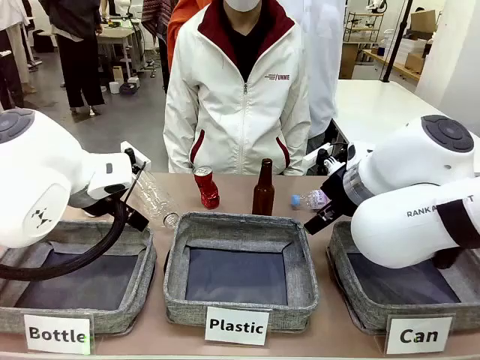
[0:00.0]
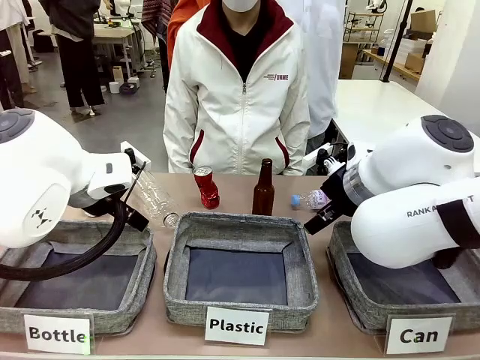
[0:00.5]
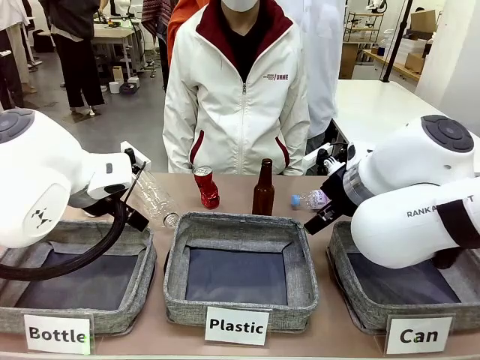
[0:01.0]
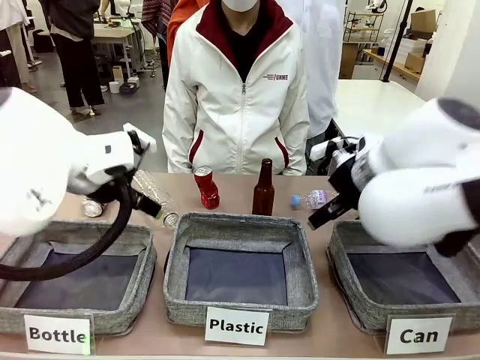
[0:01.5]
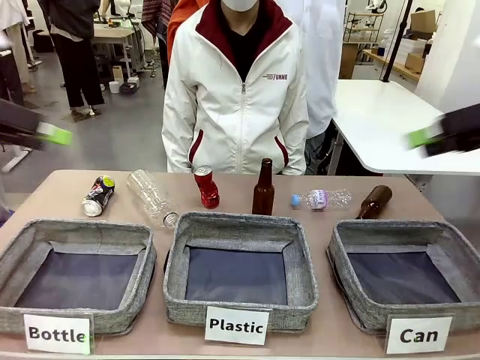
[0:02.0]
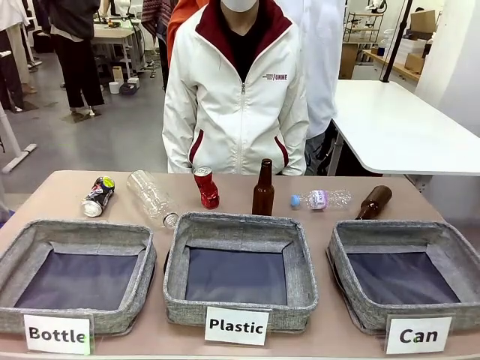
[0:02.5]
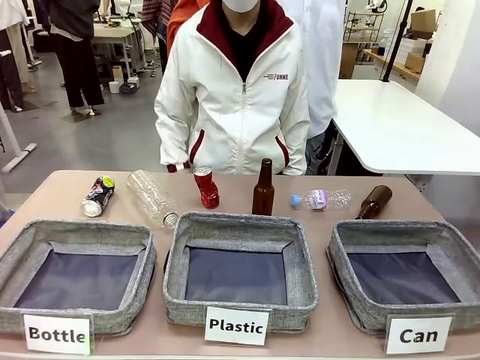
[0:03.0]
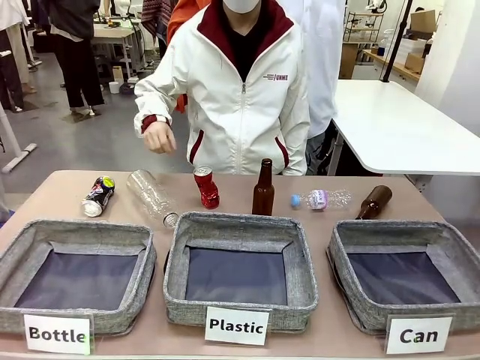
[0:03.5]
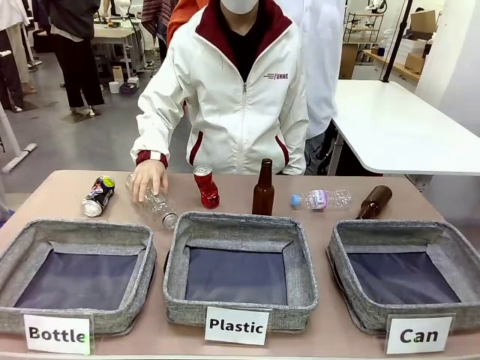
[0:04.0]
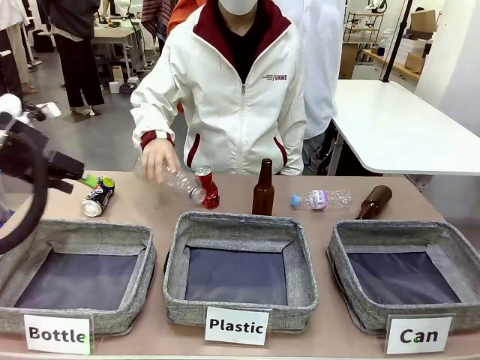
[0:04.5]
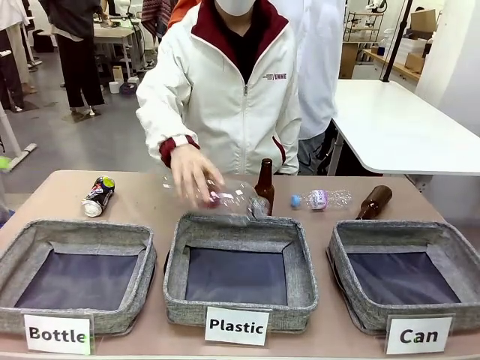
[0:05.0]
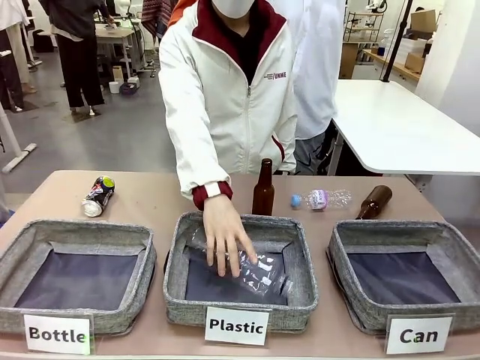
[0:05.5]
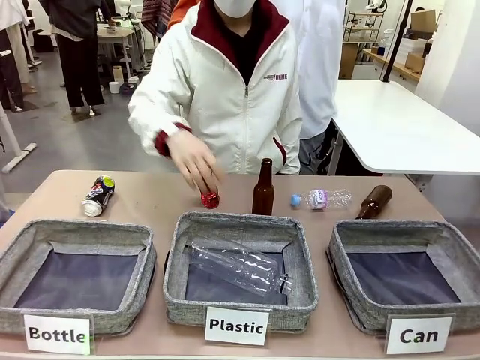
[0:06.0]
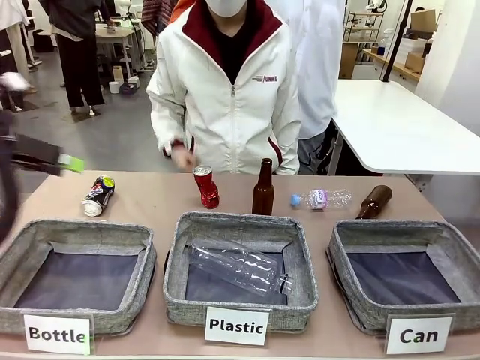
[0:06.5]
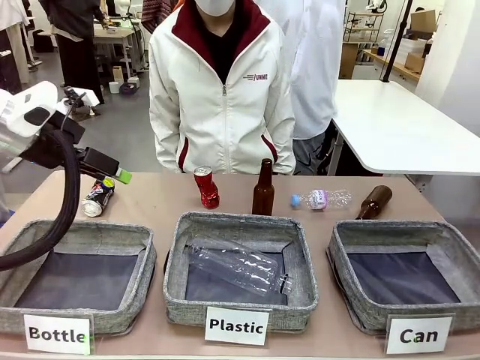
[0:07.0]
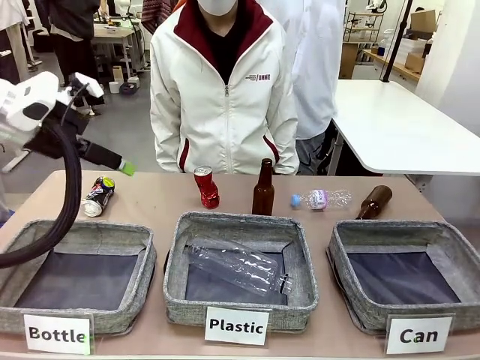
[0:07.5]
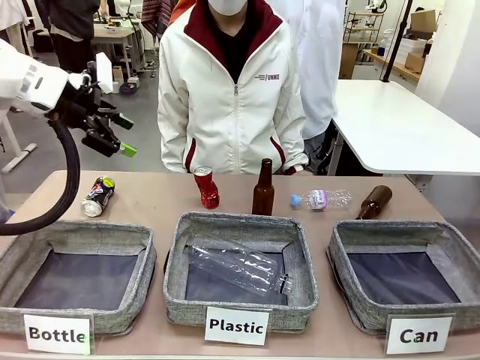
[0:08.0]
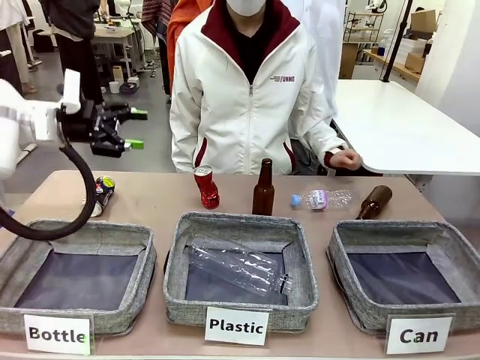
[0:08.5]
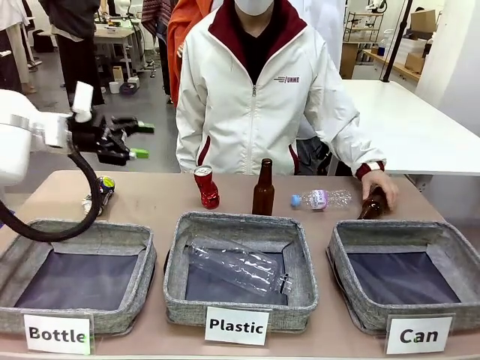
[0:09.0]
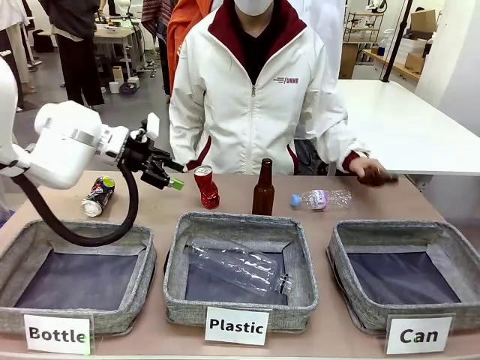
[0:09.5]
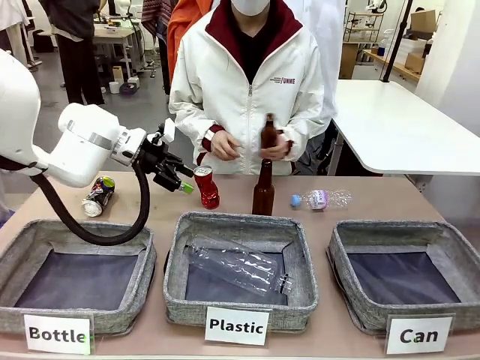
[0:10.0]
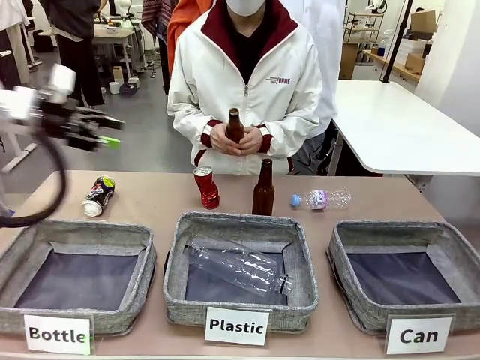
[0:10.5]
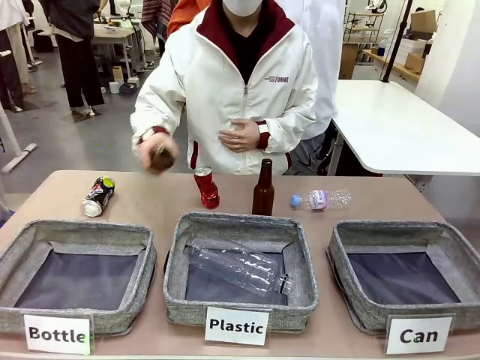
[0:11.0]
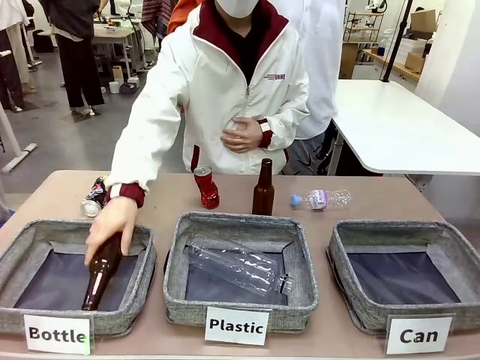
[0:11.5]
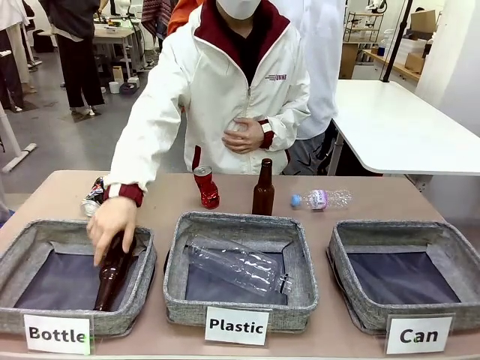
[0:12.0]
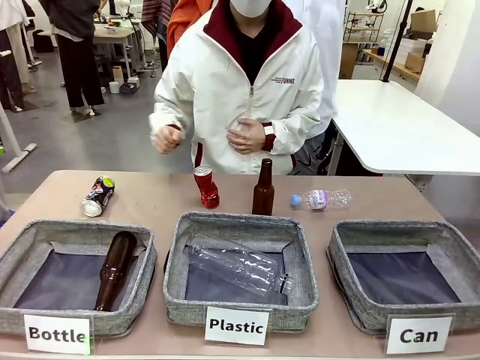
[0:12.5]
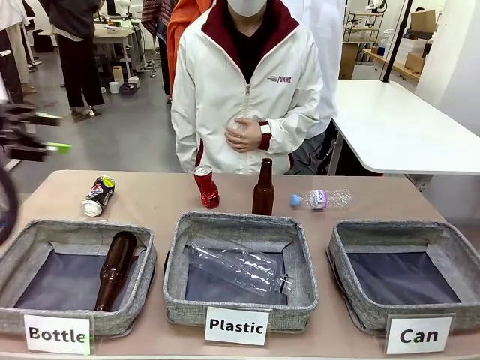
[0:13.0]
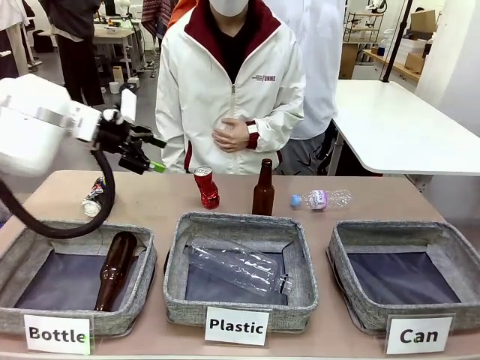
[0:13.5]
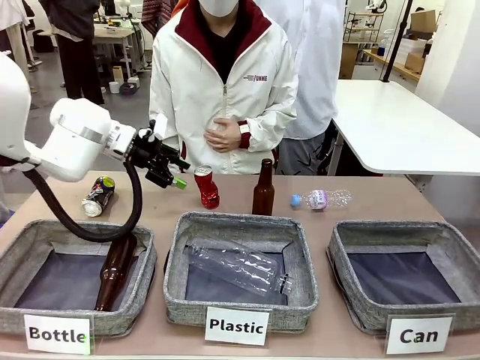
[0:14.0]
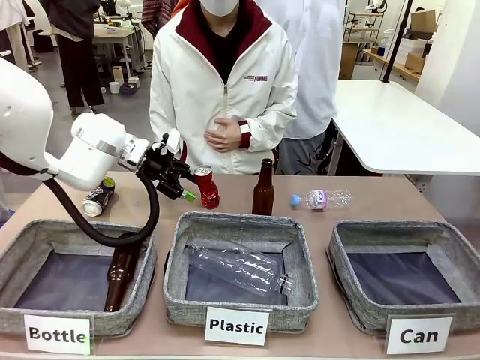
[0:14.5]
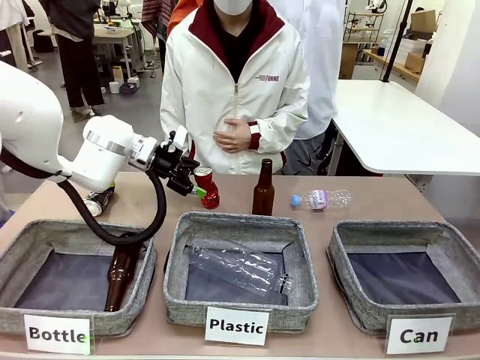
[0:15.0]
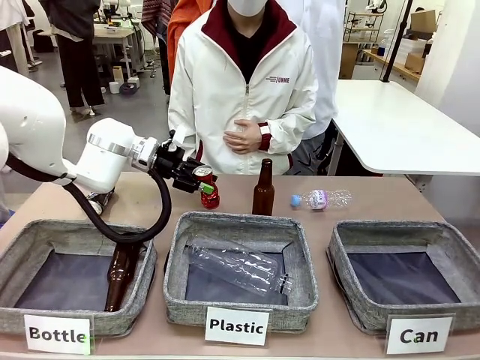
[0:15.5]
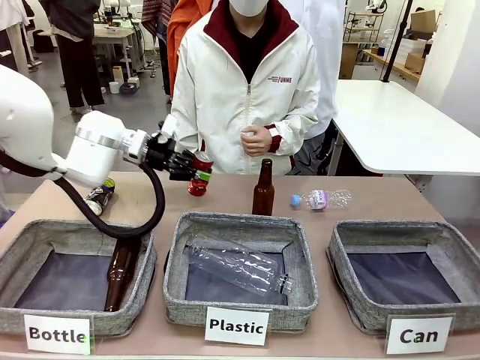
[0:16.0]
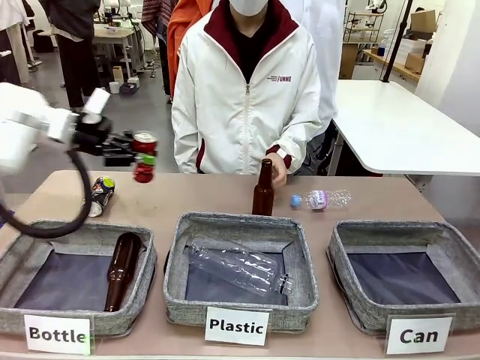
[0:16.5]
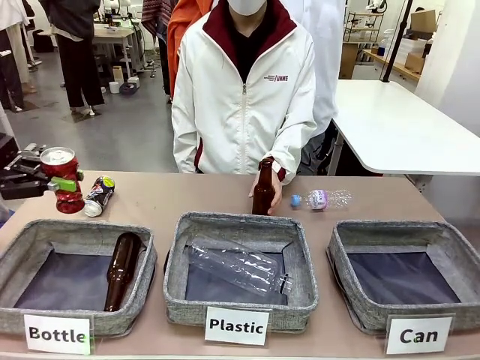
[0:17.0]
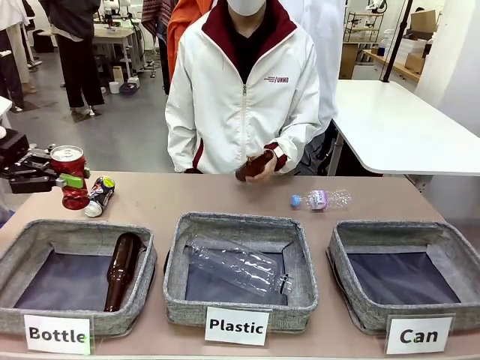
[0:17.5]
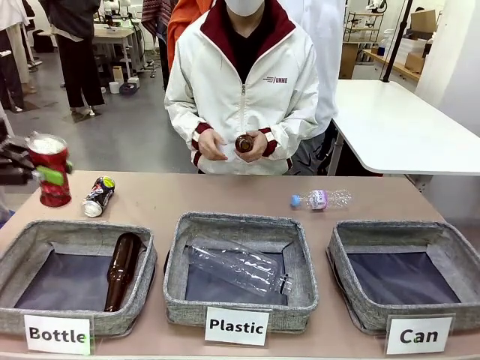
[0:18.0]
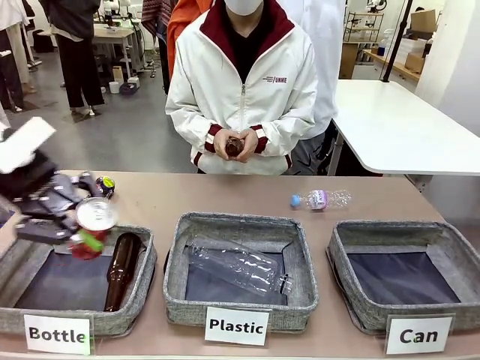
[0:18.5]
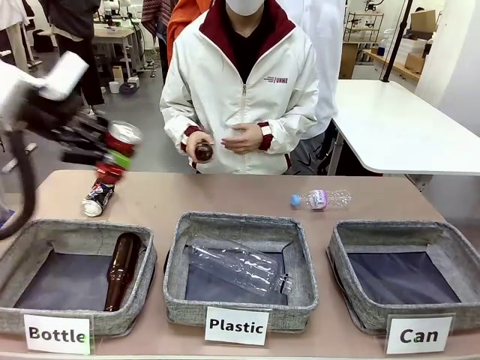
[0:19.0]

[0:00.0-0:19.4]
Task: Sort the can waste into the basket.
Robot: Pick up the can waste from the table and place it in the right Fabric basket.
